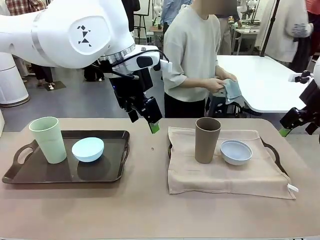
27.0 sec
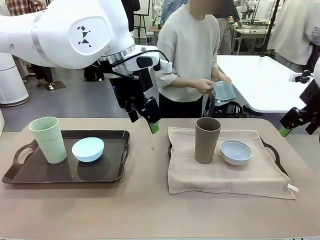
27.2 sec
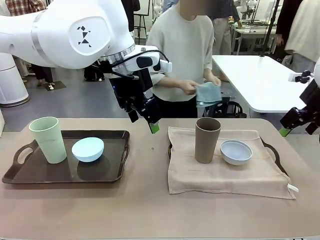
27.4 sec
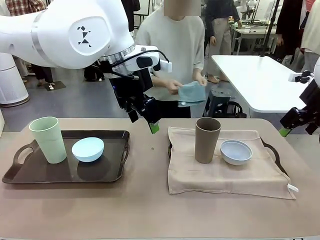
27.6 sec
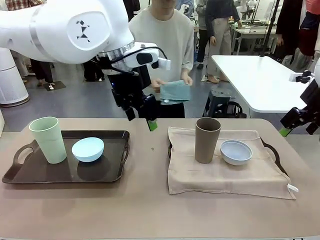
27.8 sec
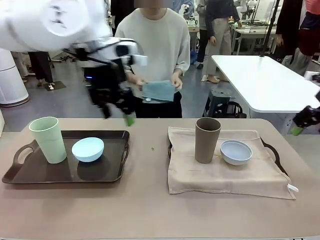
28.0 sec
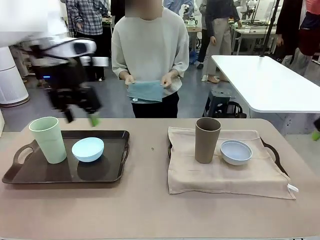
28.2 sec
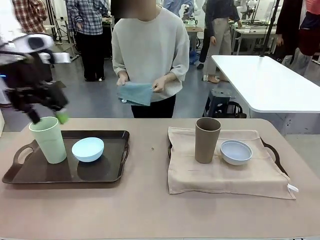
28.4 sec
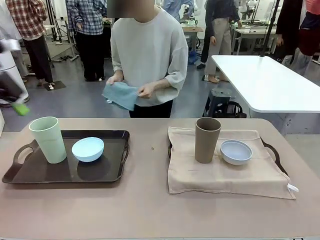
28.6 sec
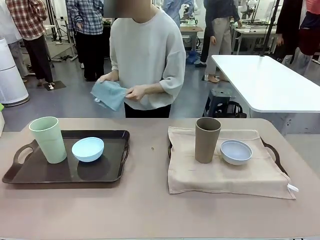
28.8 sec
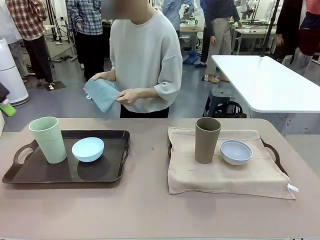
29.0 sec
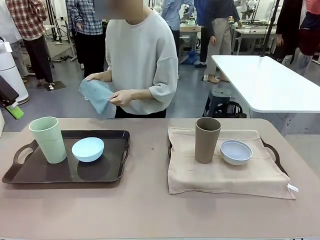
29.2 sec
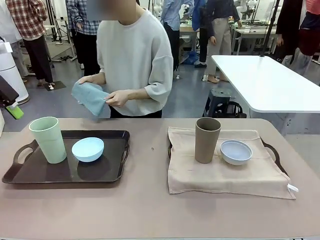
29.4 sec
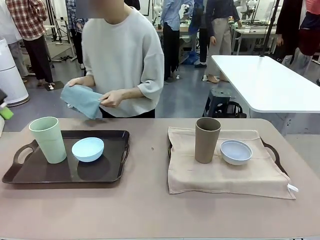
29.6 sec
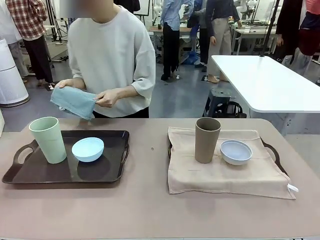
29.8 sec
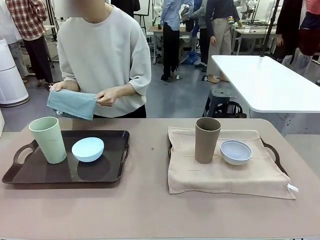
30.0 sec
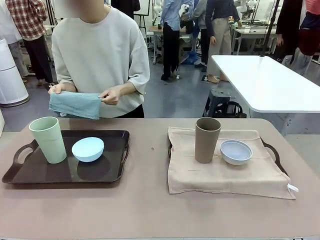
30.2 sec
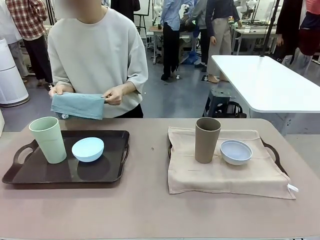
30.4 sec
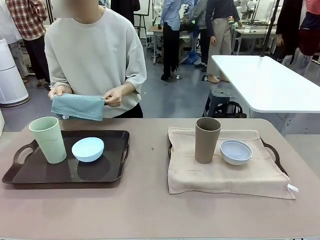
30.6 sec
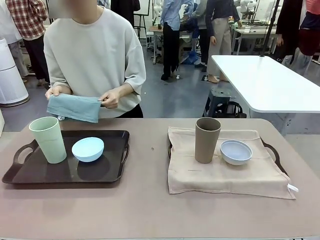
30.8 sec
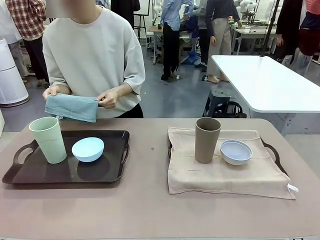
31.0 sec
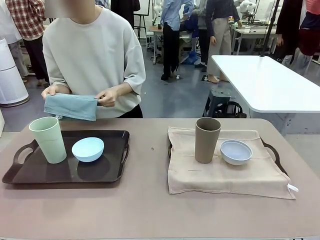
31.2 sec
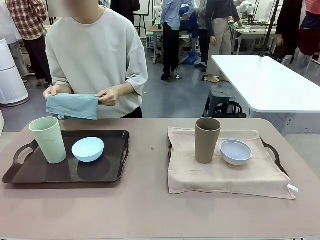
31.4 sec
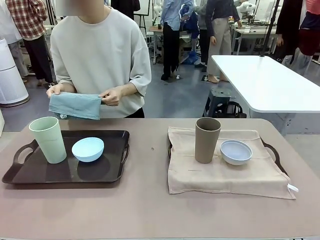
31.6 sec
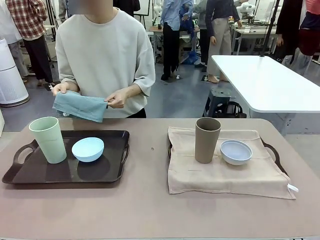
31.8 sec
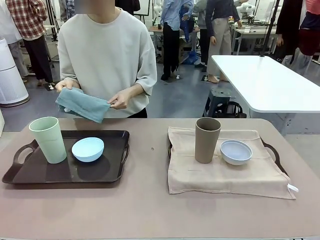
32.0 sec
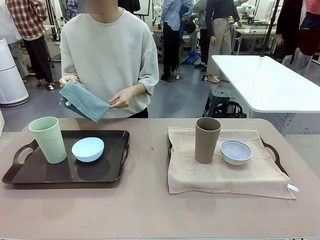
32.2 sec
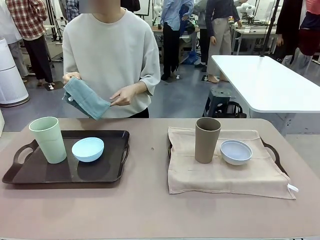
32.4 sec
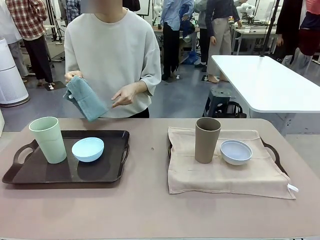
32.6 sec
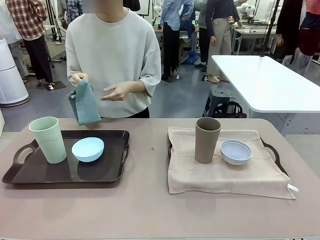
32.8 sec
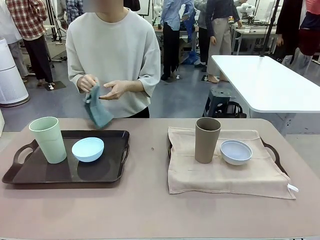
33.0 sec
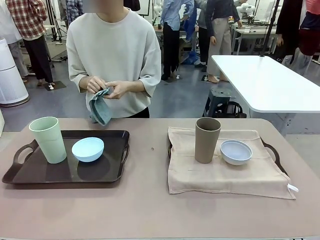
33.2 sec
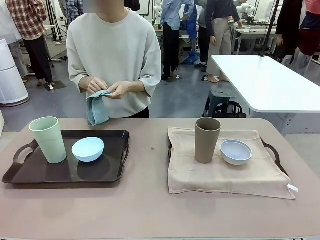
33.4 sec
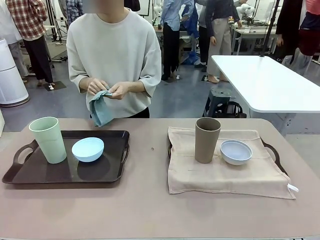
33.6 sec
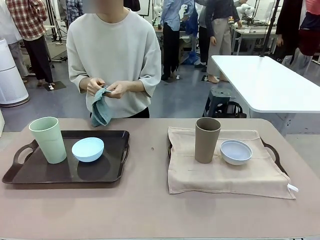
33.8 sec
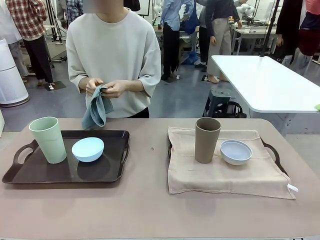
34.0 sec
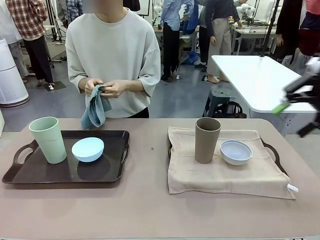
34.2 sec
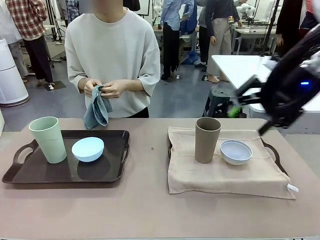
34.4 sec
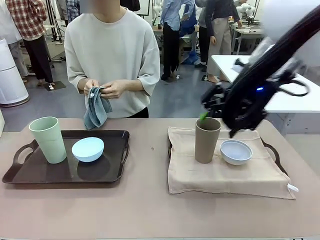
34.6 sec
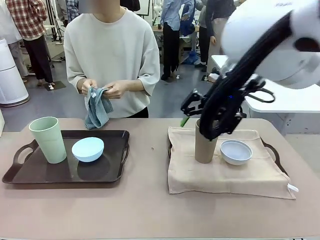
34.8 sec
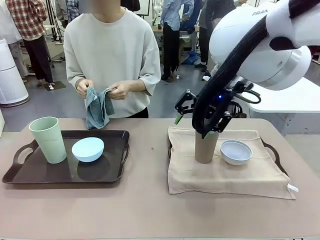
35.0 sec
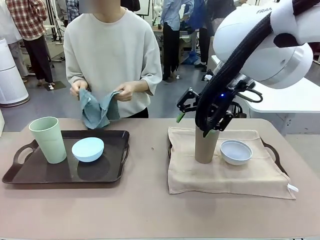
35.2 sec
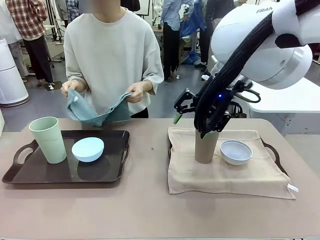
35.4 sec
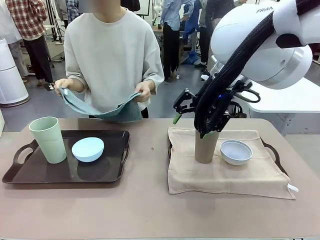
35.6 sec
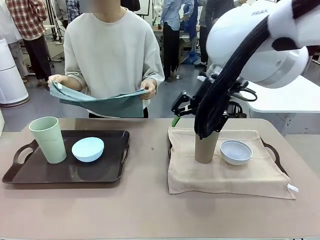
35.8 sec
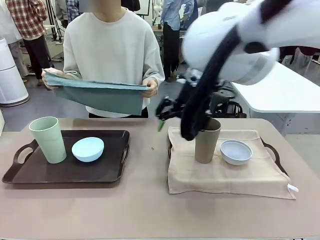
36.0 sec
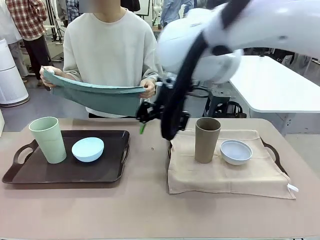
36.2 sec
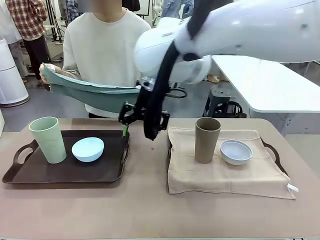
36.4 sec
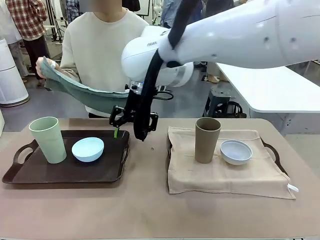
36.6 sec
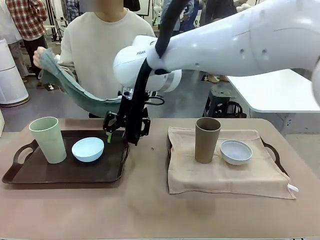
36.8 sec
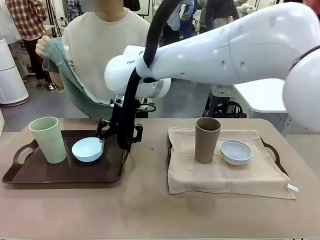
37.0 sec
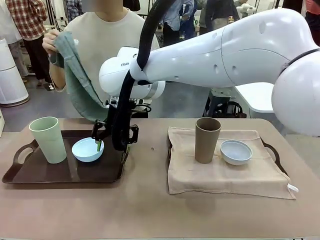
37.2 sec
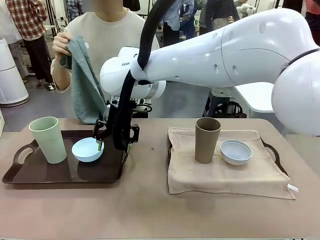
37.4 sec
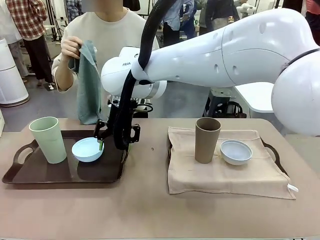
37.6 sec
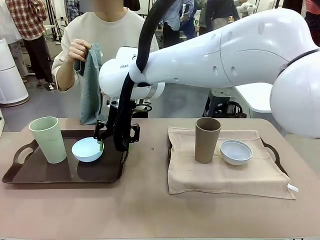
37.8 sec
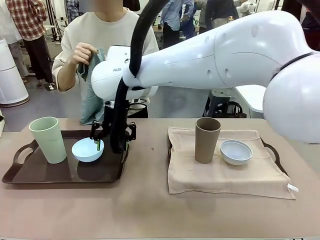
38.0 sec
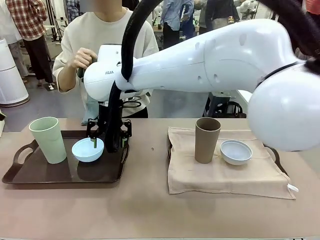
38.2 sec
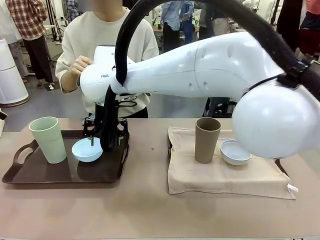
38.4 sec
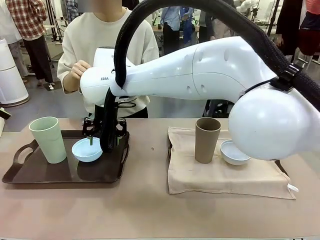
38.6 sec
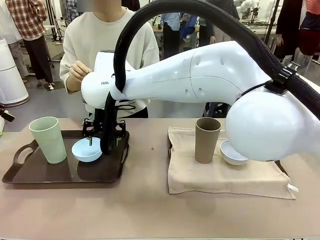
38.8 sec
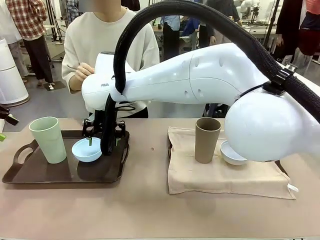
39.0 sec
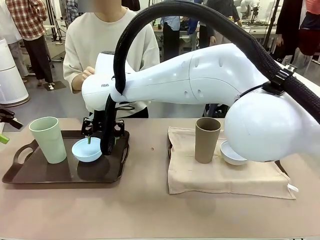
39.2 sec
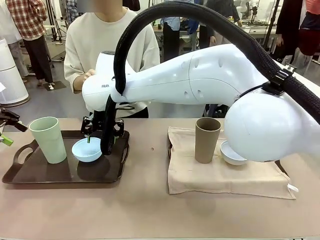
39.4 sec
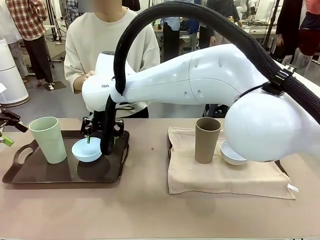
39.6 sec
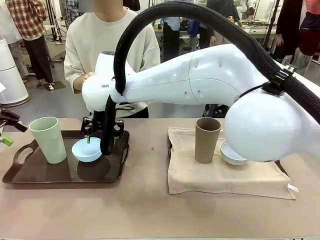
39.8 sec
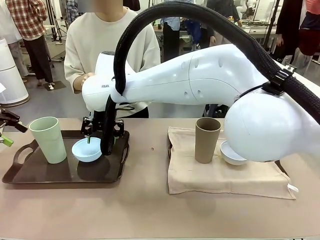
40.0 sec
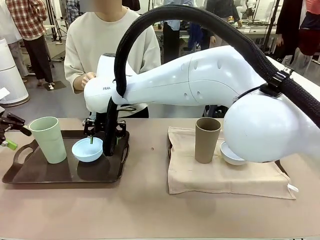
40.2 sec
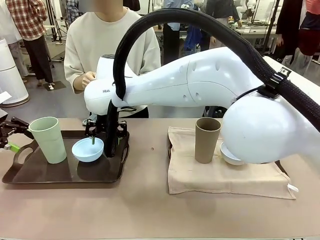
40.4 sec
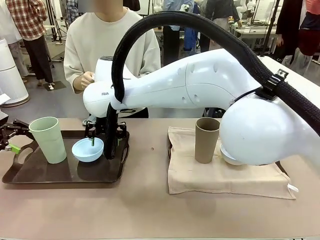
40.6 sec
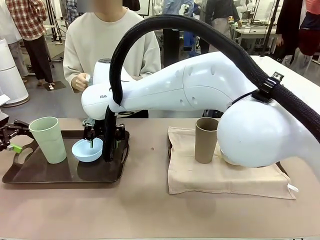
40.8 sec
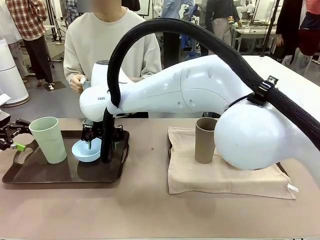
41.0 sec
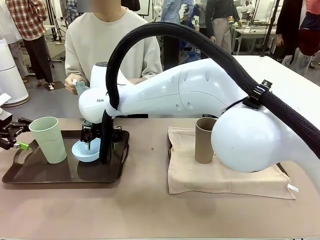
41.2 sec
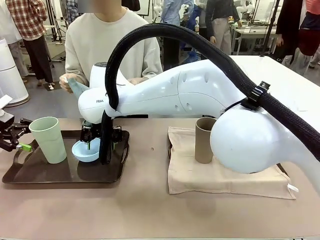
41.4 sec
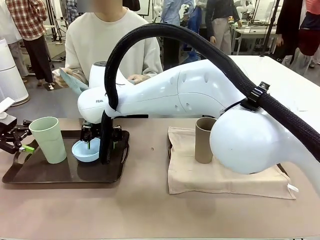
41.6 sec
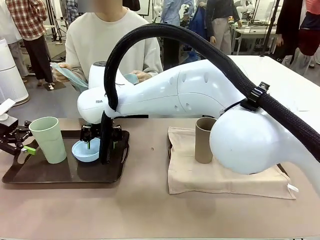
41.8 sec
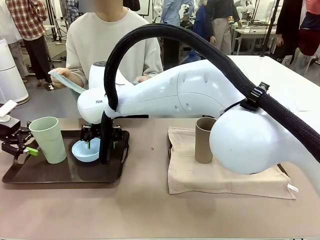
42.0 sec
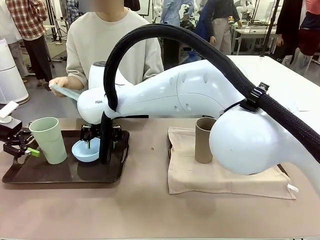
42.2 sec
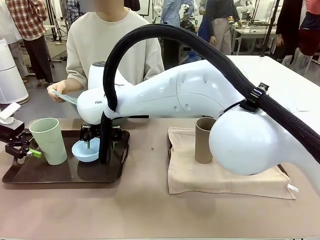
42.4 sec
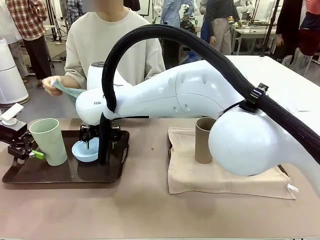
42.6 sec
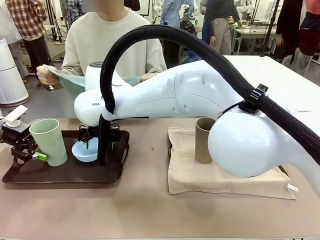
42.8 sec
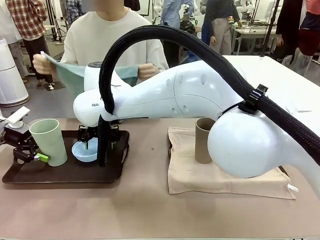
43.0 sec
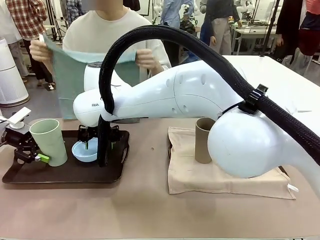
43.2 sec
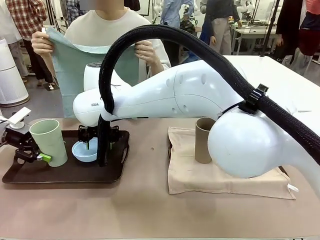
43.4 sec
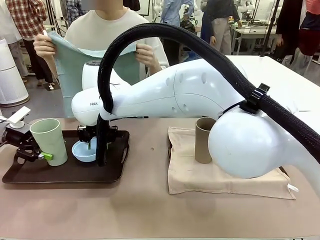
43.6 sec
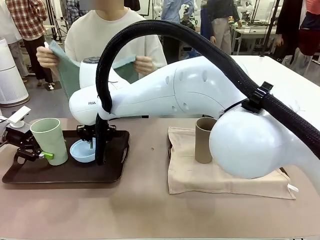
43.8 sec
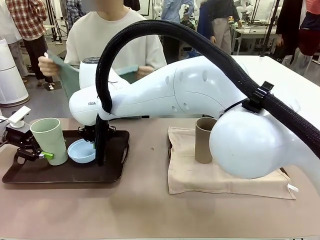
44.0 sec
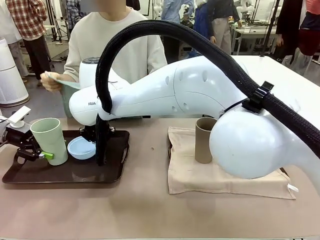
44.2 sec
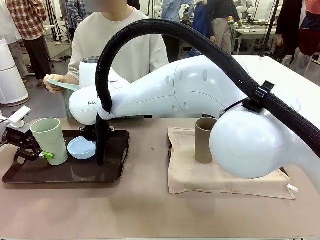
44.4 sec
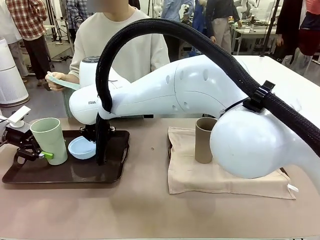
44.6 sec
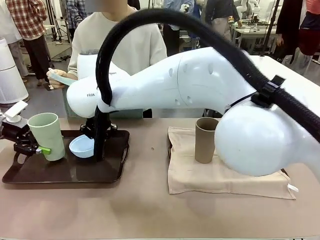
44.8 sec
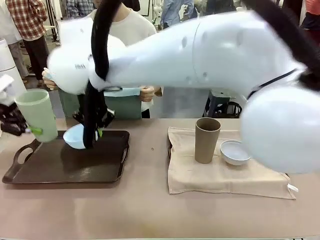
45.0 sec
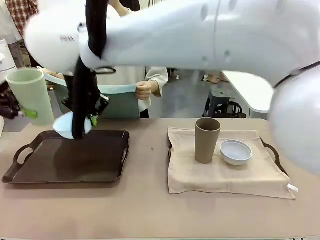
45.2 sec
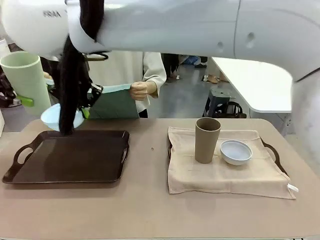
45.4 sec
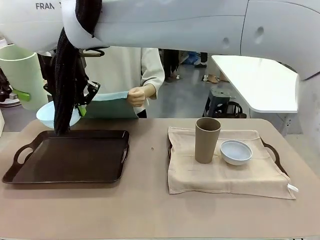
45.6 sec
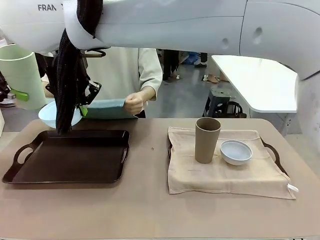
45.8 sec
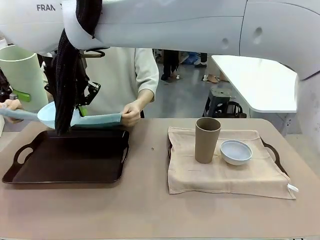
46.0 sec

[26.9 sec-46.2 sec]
Robot: Pick up the Picnic Bowl and Reusable plastic cup from the Handle tray in front of the human's position and hold them in the air.

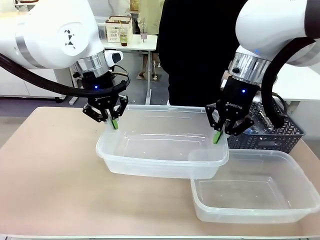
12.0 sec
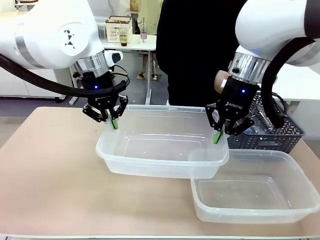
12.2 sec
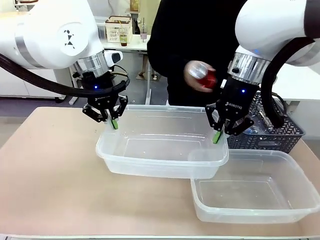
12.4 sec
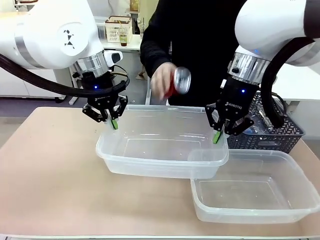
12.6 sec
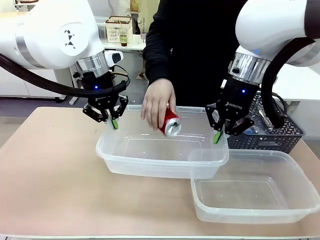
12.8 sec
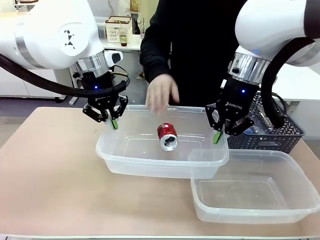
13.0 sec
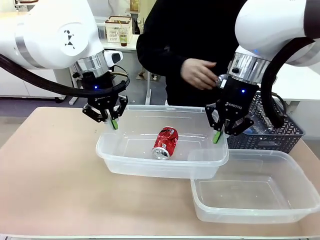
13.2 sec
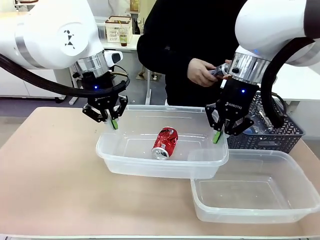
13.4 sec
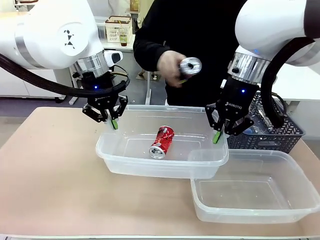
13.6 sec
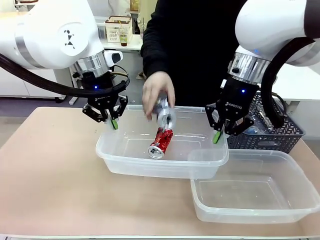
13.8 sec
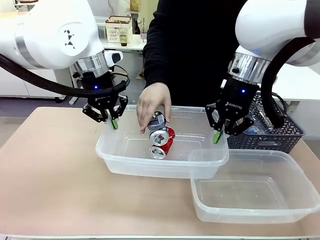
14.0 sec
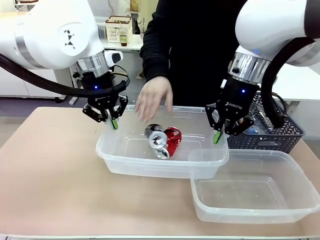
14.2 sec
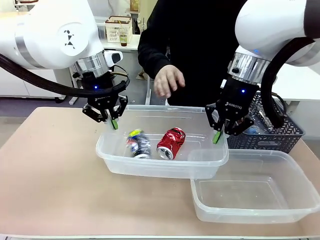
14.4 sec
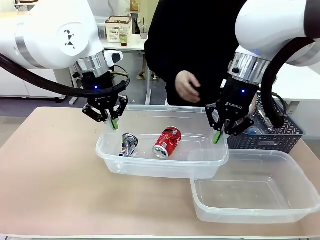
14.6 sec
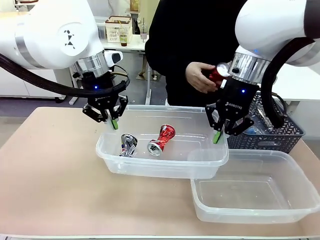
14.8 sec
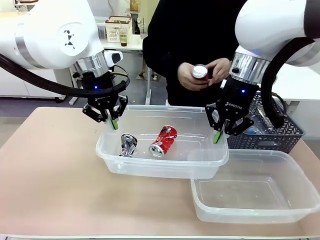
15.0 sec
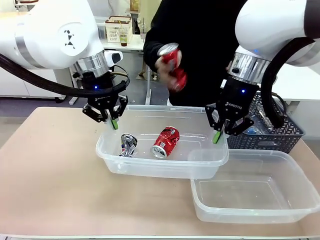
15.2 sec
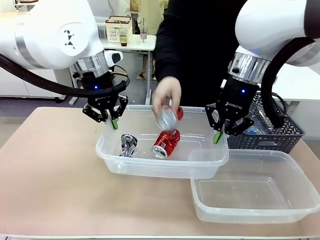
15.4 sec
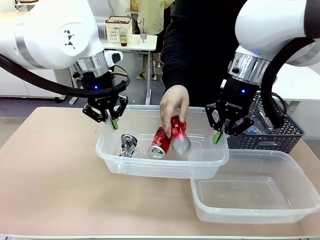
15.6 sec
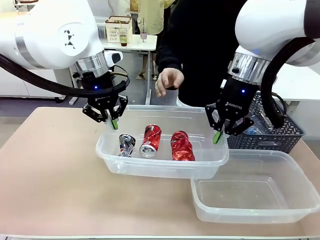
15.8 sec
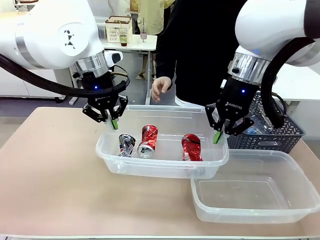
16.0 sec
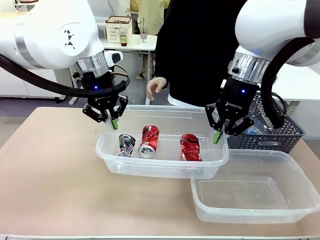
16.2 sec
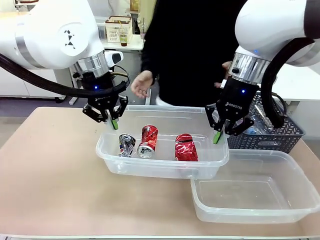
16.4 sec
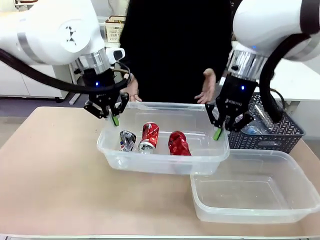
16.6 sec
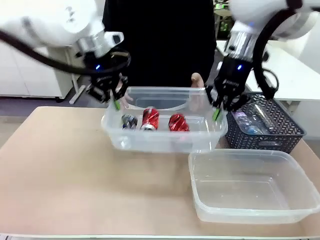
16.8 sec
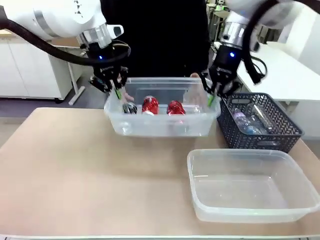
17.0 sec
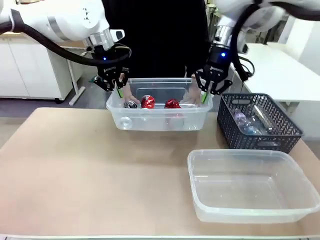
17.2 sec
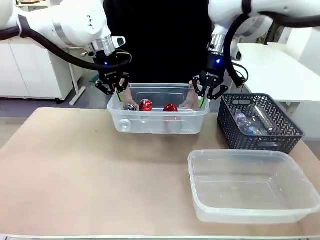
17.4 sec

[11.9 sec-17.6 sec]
Robot: Offer the picked Organizing box to the human.
